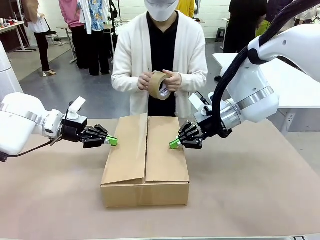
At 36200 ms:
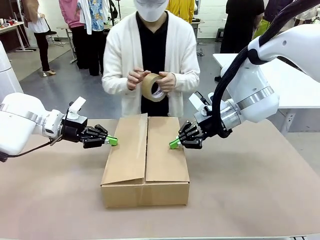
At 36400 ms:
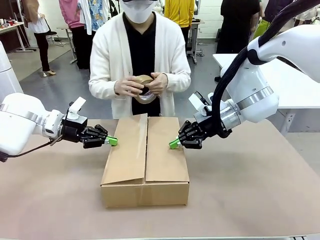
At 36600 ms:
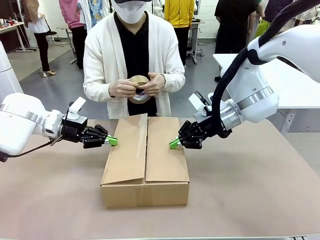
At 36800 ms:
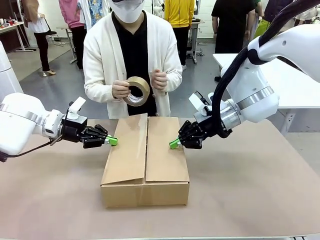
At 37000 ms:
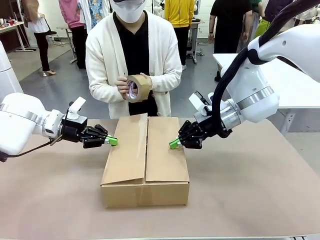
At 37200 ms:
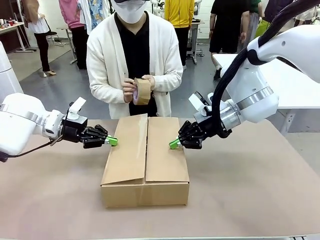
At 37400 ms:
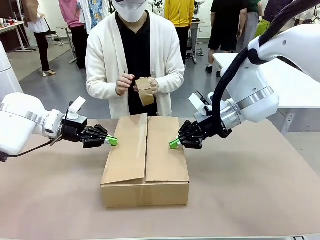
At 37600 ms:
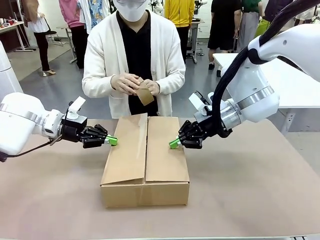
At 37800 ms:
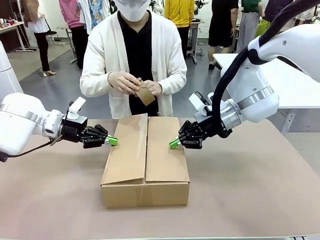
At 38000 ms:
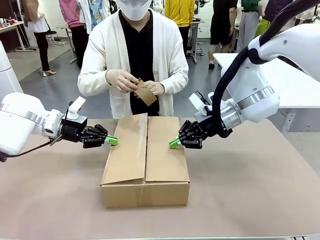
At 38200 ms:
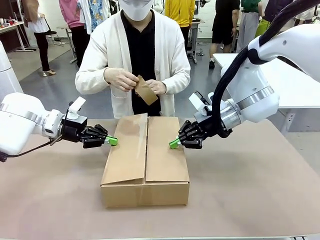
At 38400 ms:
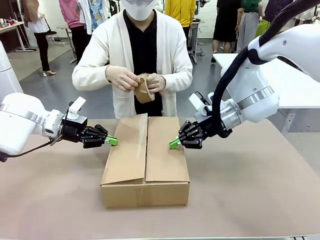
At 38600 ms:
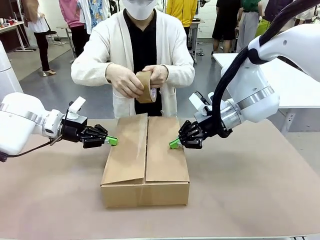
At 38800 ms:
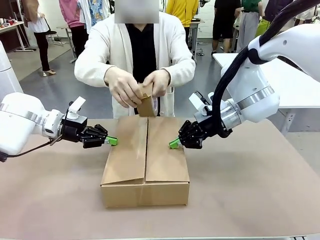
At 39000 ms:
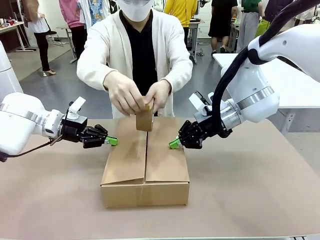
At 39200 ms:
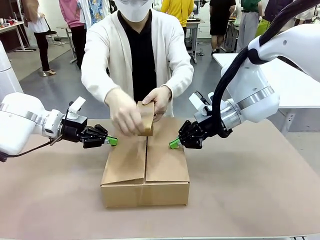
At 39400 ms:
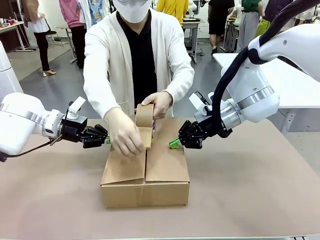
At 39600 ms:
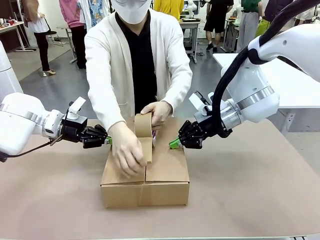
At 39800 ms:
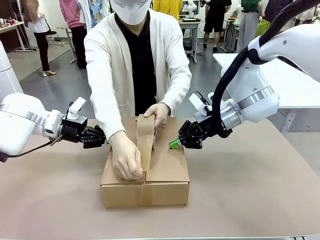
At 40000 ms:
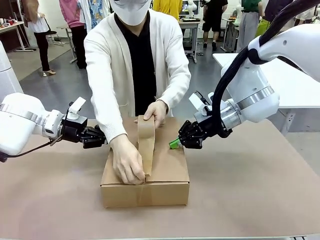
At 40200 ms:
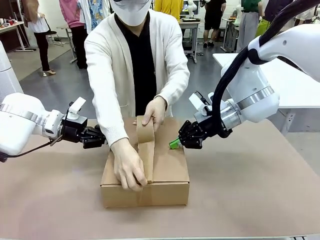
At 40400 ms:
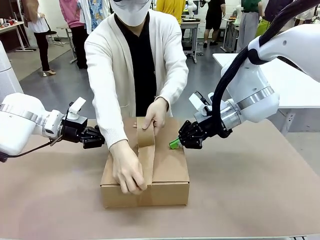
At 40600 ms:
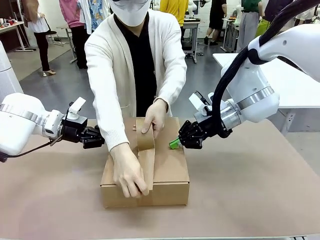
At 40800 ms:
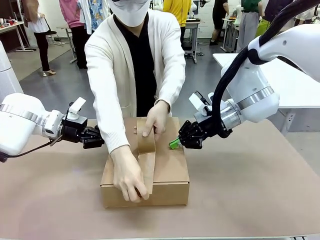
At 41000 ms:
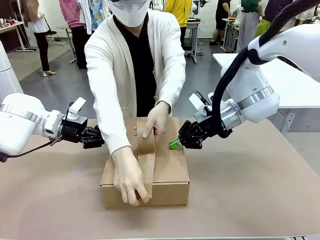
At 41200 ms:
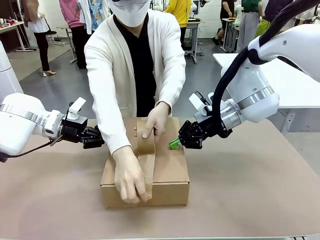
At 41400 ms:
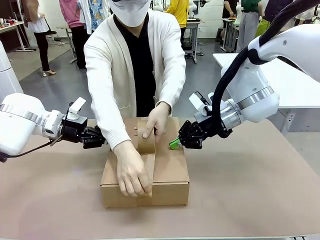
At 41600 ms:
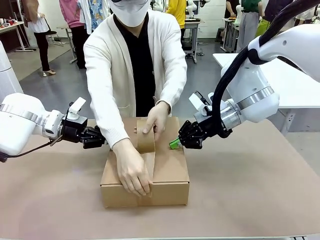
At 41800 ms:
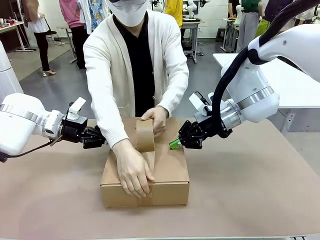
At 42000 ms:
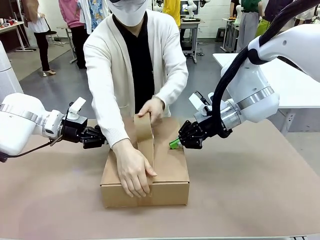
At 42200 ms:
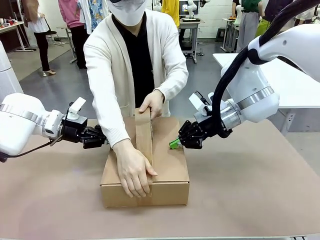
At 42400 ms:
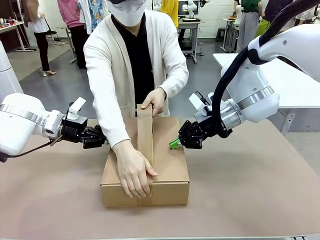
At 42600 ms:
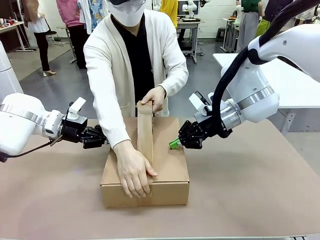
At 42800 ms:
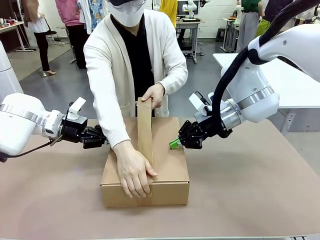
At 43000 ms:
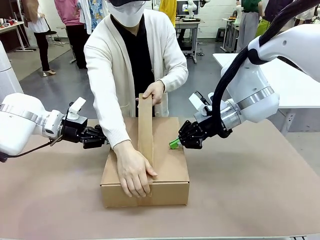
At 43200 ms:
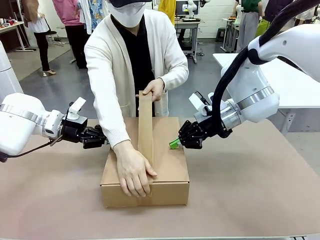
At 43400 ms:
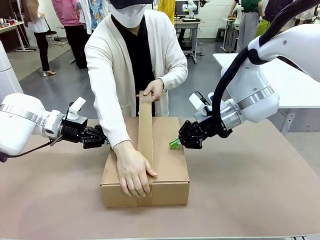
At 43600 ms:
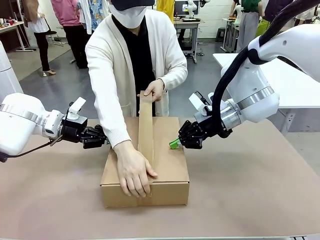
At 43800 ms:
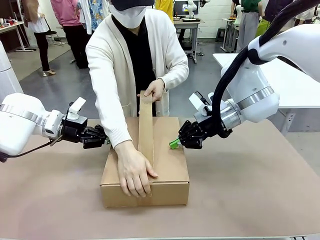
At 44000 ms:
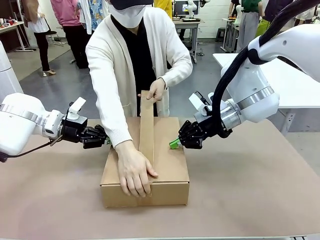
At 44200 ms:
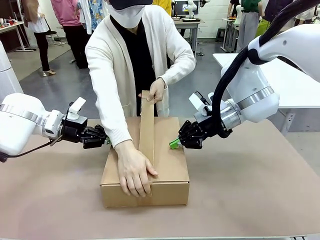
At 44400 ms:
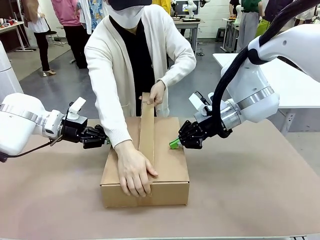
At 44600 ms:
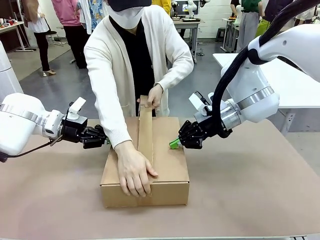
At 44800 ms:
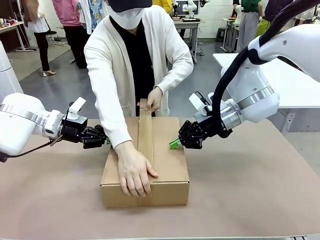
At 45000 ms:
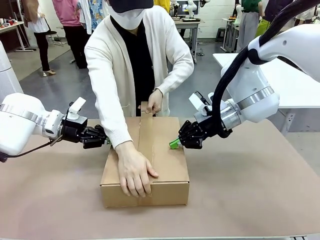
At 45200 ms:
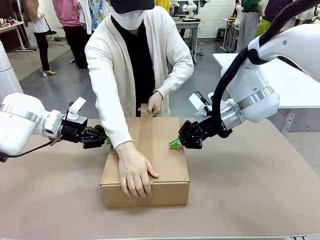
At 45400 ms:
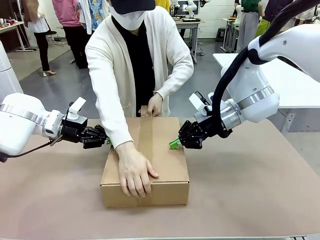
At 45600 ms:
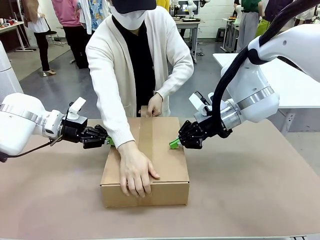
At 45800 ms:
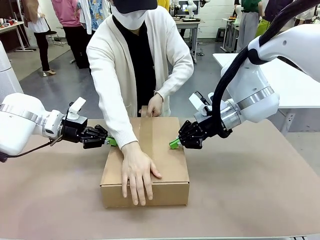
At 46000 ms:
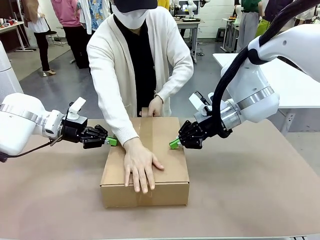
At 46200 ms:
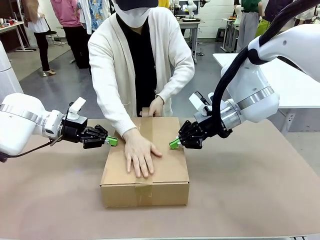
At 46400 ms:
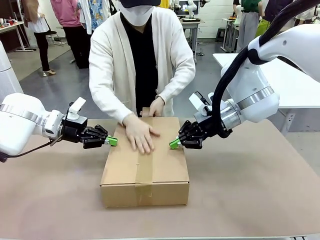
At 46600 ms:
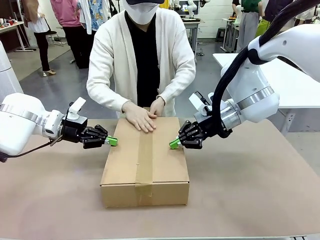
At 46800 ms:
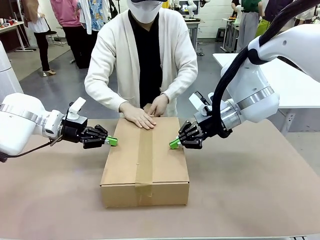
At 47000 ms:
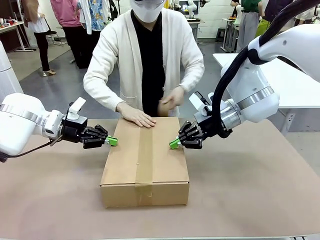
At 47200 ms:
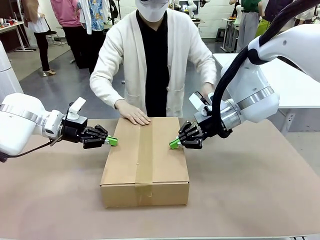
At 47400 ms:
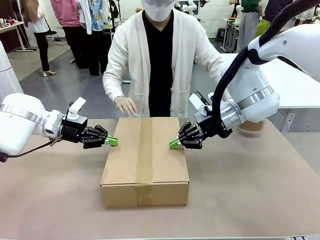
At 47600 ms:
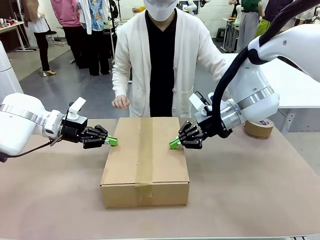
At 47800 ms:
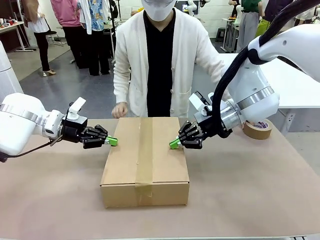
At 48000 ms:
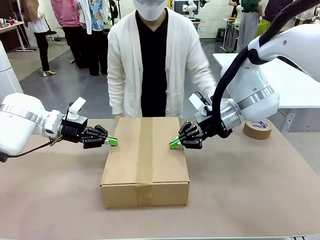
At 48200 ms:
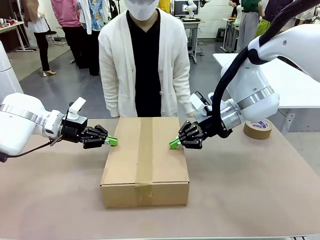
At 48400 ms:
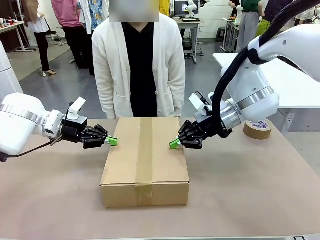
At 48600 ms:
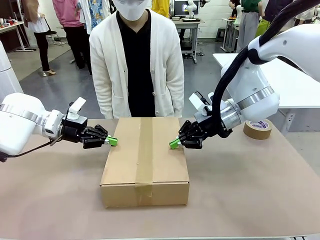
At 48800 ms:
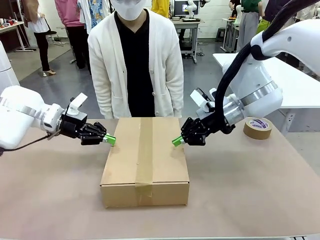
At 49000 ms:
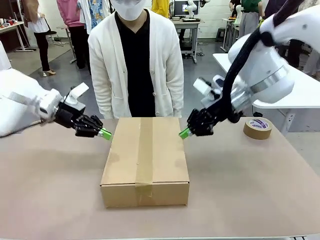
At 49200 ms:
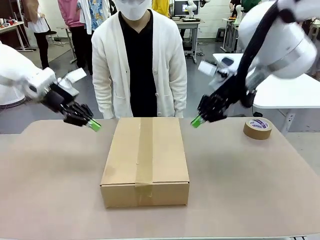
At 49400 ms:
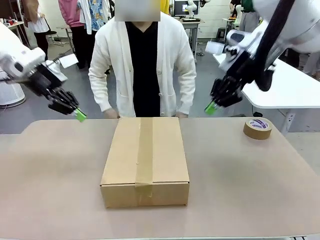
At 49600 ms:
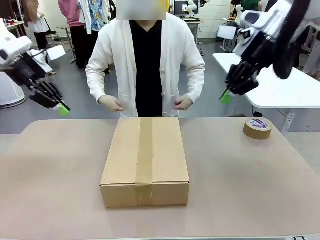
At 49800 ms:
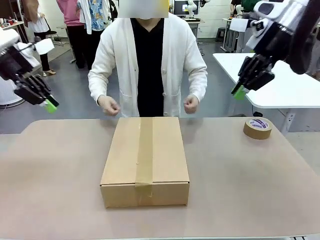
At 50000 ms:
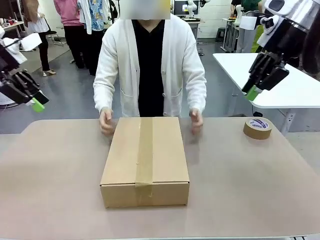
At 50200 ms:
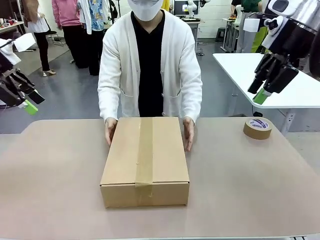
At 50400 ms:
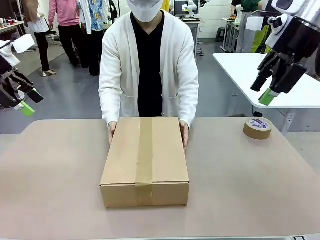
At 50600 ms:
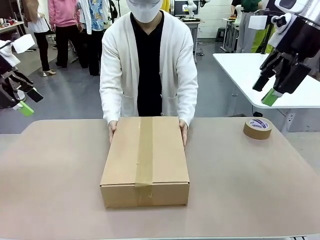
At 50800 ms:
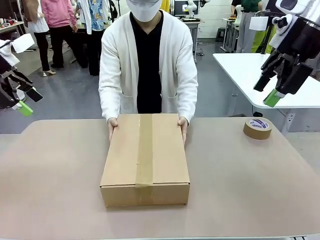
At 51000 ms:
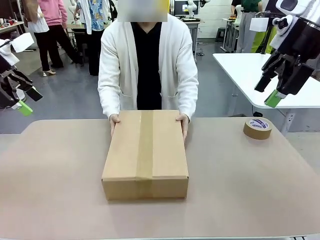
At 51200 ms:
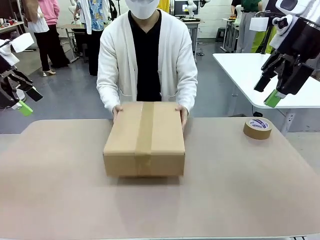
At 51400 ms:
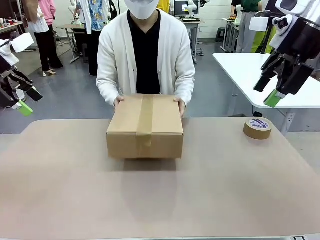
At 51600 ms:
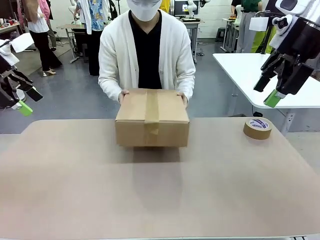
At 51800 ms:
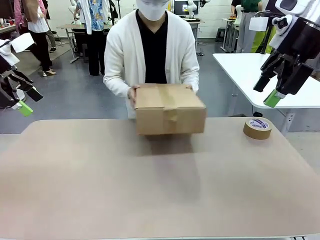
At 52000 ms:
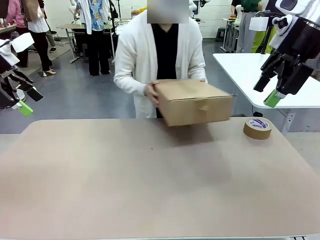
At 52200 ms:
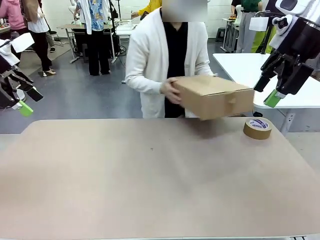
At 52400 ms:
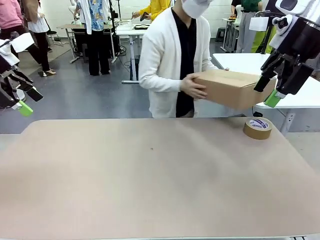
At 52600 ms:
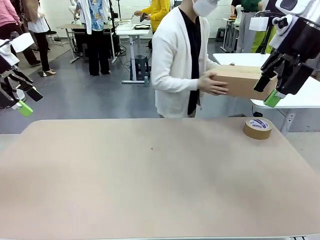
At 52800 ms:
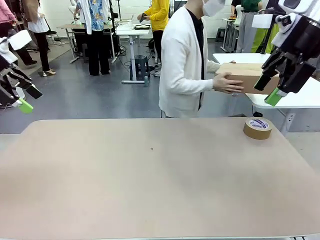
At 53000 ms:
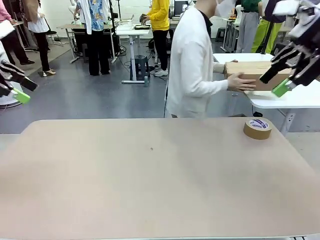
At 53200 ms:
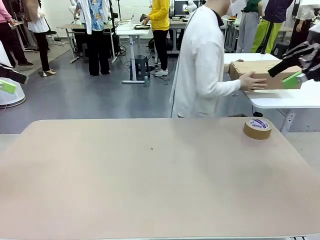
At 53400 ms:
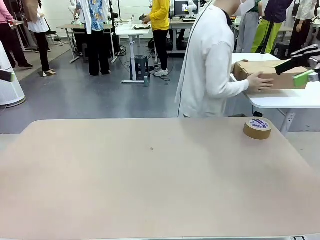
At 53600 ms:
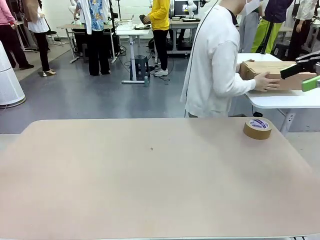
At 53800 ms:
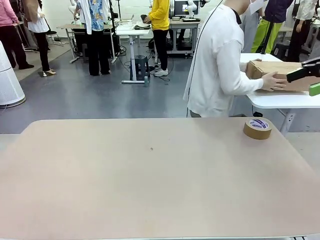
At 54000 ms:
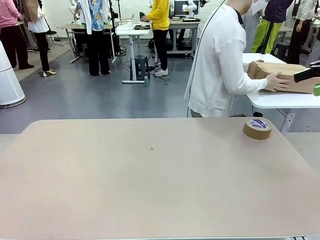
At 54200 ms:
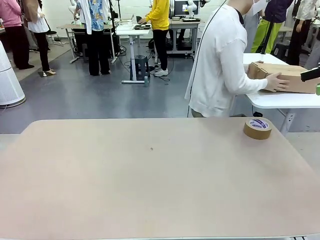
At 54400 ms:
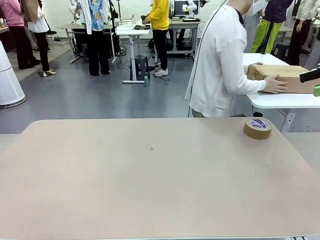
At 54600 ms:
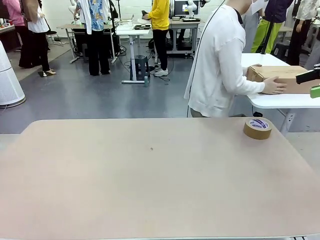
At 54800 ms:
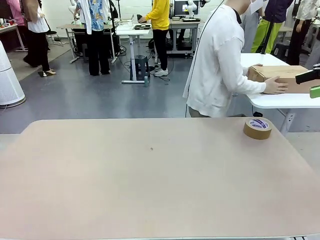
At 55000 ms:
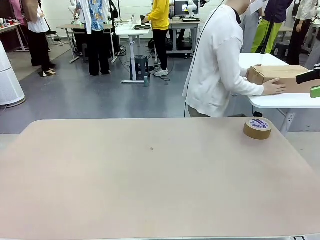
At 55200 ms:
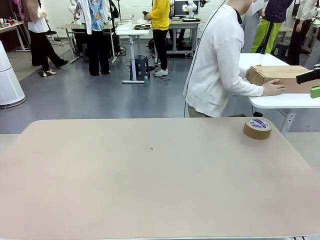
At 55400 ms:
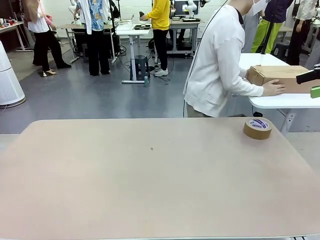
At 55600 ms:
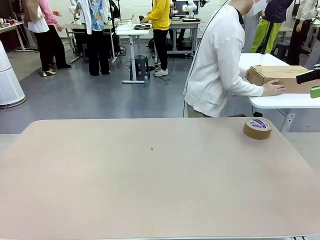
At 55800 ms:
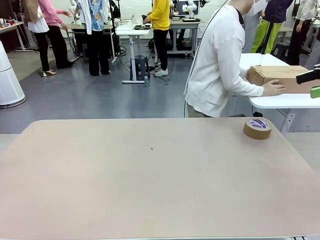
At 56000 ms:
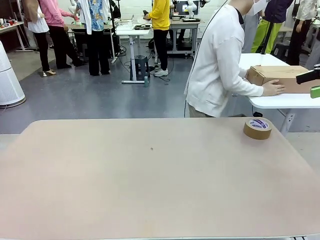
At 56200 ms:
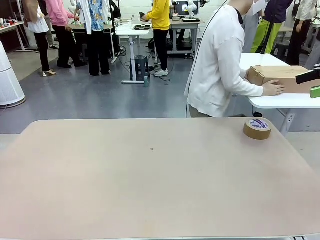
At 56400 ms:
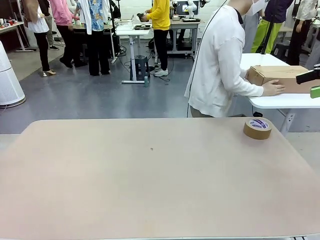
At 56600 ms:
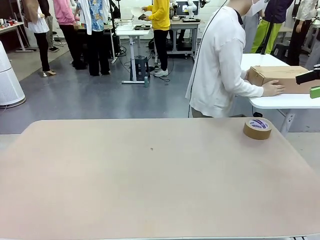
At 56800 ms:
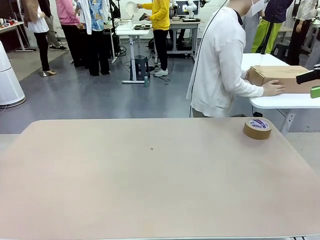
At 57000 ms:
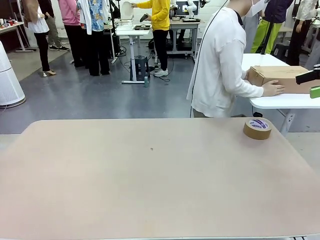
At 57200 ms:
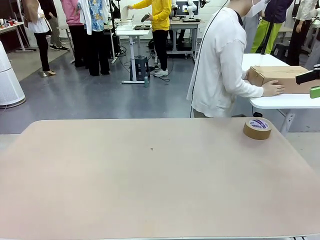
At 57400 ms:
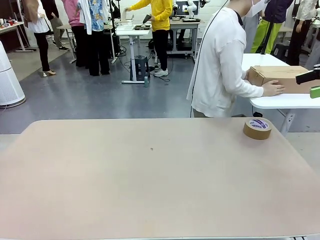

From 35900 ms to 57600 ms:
Task: Wrap the clocks to prevent damage.
Robot: After the human seals the box with tape, release both hands from the side flaps of the Package Box.
Person: Once the robot closes the left flap of the Package Box , seal the box with Paper Tape. Place sealed Package Box in the middle of the human's table.
